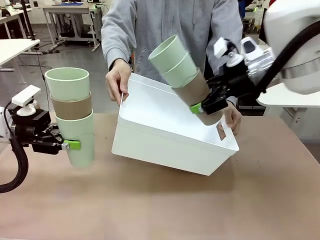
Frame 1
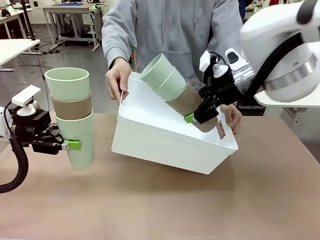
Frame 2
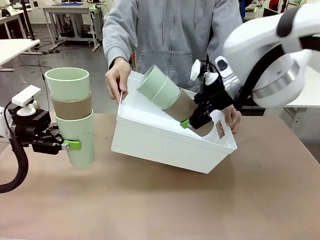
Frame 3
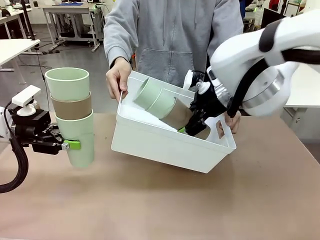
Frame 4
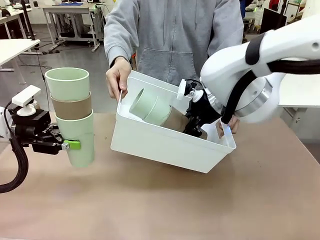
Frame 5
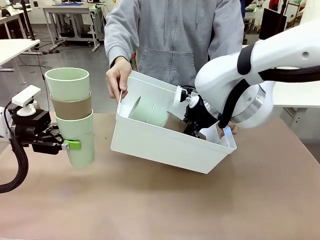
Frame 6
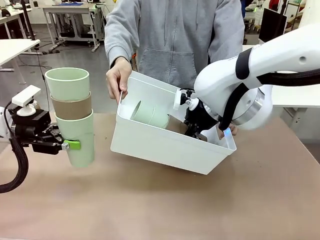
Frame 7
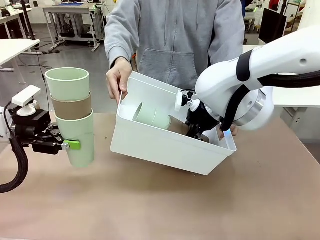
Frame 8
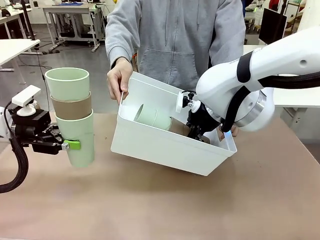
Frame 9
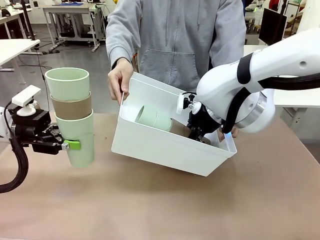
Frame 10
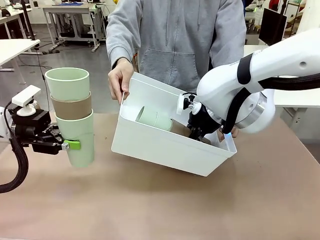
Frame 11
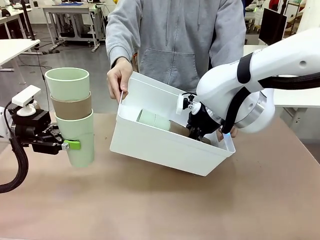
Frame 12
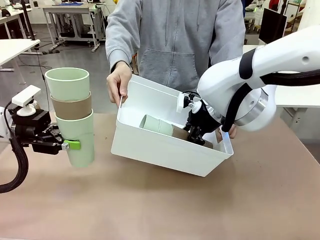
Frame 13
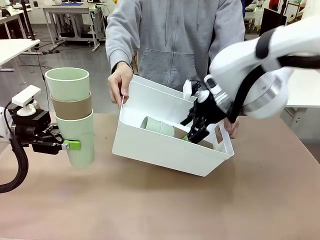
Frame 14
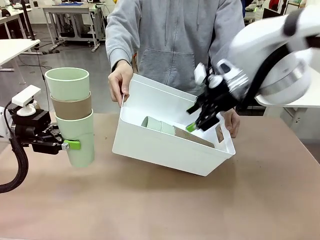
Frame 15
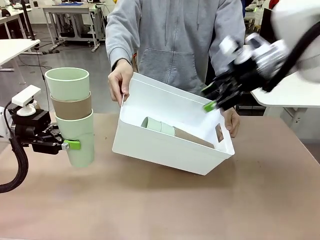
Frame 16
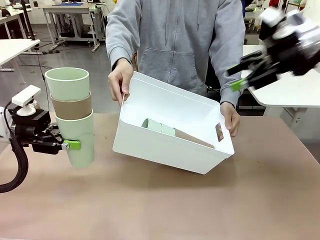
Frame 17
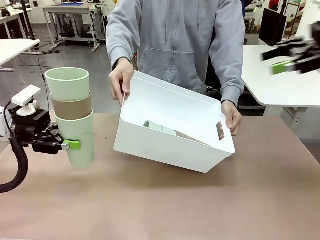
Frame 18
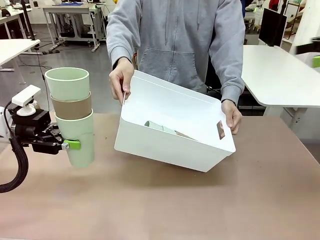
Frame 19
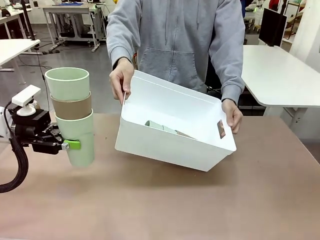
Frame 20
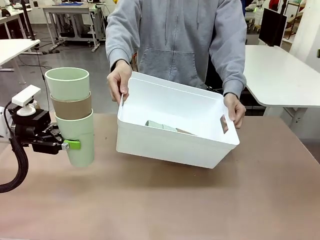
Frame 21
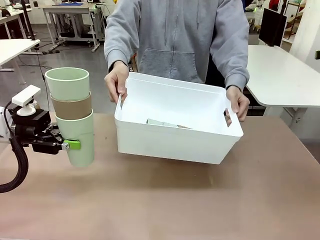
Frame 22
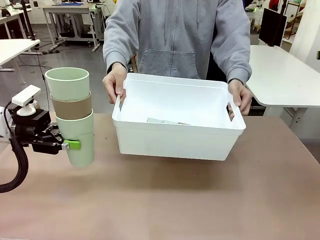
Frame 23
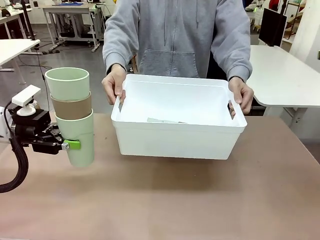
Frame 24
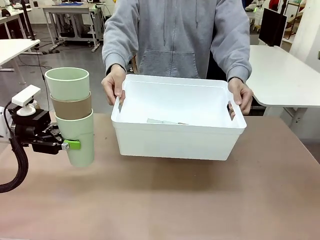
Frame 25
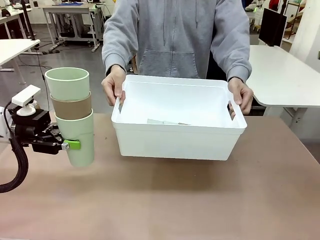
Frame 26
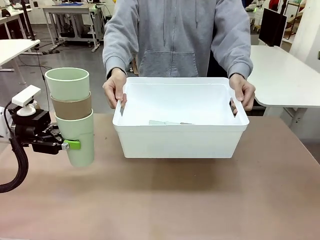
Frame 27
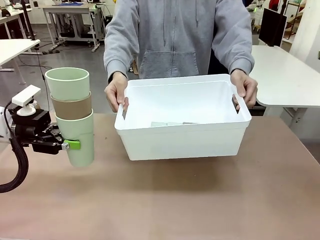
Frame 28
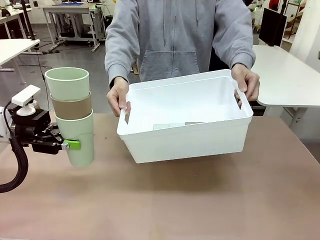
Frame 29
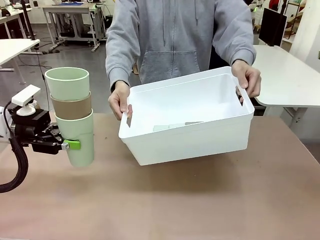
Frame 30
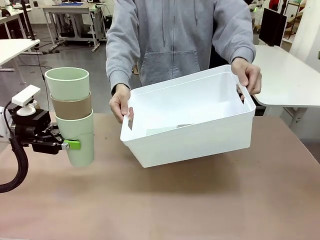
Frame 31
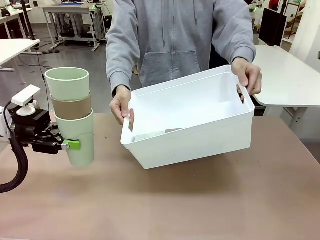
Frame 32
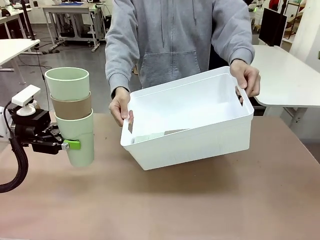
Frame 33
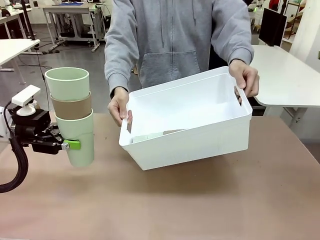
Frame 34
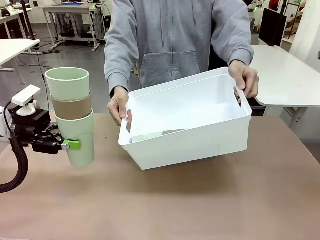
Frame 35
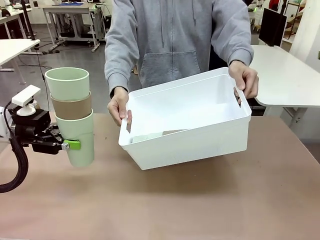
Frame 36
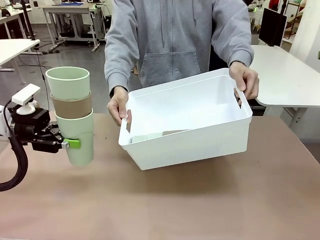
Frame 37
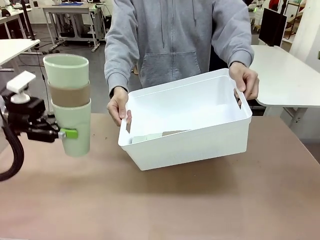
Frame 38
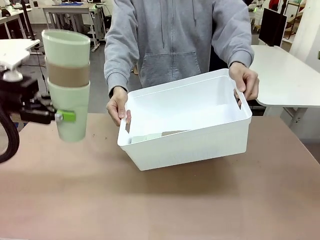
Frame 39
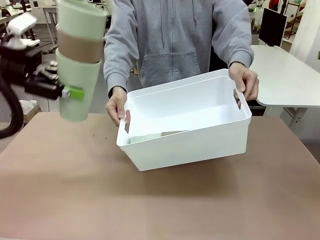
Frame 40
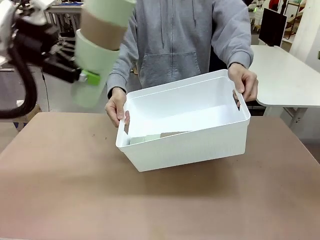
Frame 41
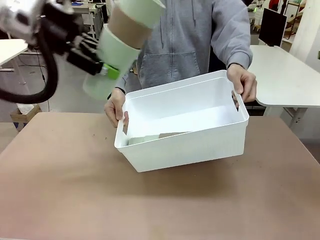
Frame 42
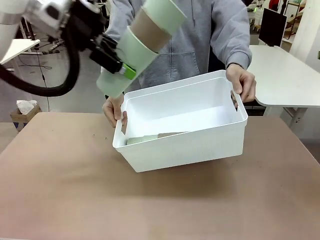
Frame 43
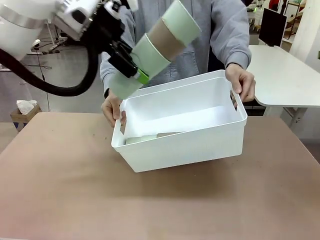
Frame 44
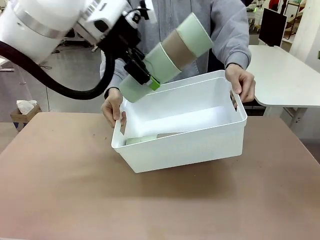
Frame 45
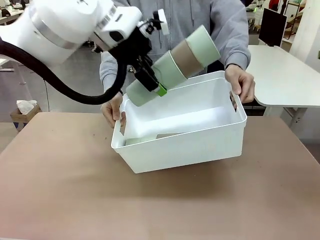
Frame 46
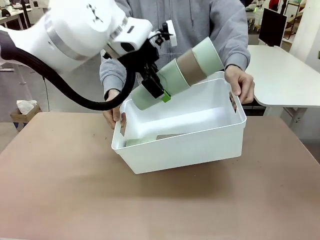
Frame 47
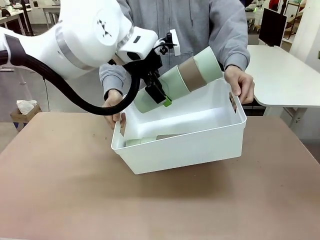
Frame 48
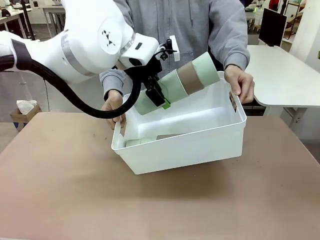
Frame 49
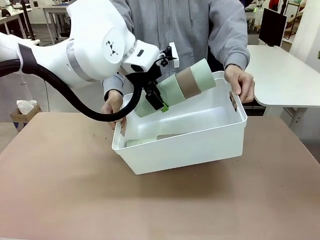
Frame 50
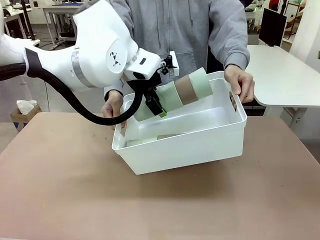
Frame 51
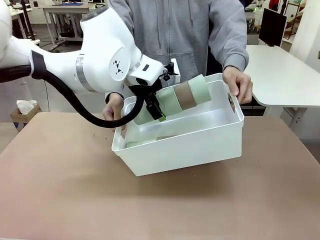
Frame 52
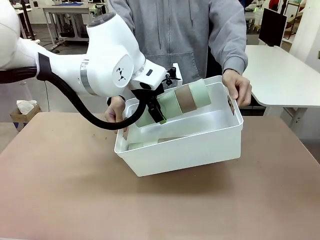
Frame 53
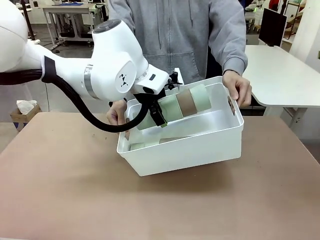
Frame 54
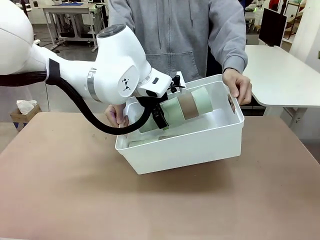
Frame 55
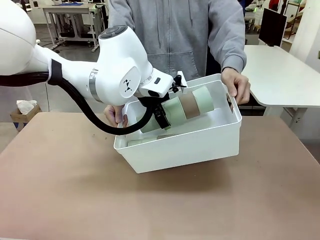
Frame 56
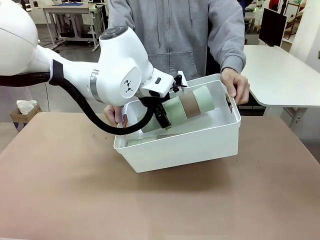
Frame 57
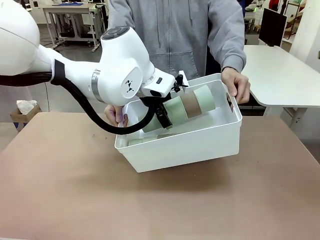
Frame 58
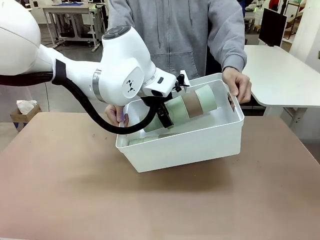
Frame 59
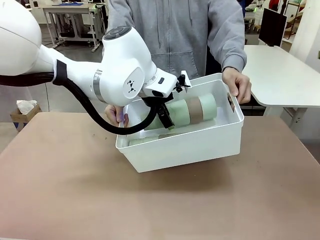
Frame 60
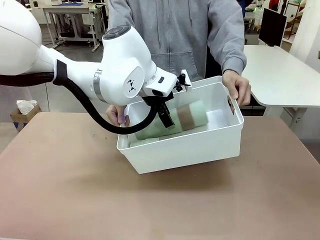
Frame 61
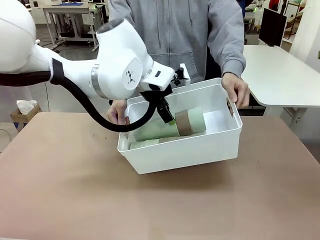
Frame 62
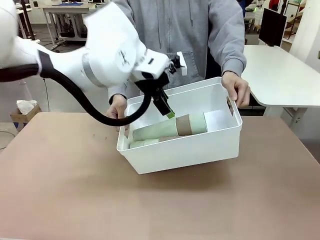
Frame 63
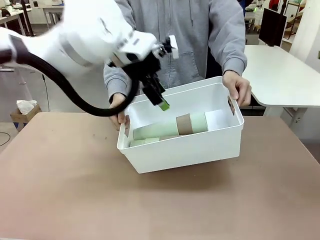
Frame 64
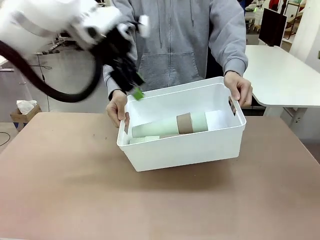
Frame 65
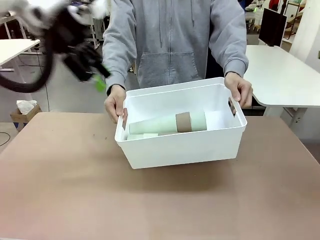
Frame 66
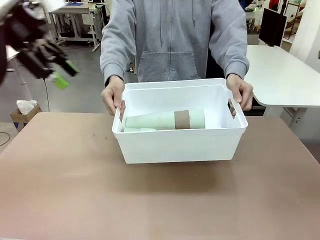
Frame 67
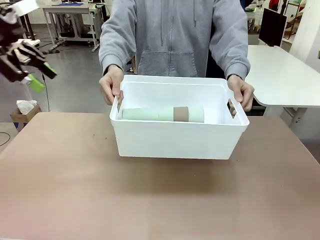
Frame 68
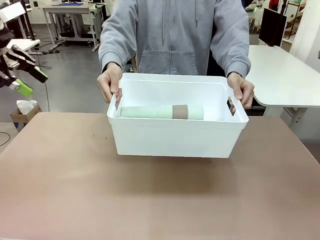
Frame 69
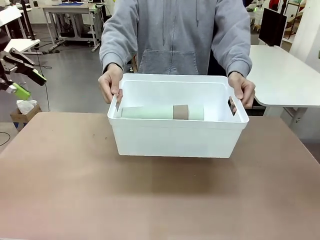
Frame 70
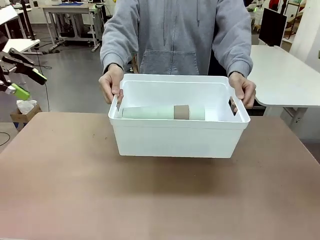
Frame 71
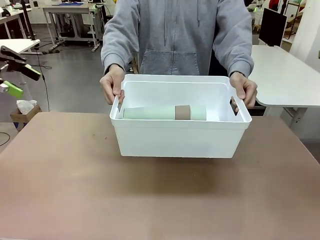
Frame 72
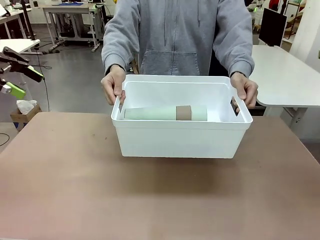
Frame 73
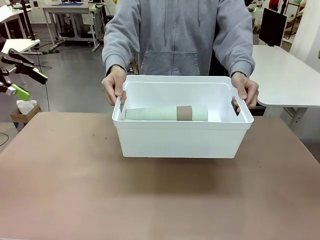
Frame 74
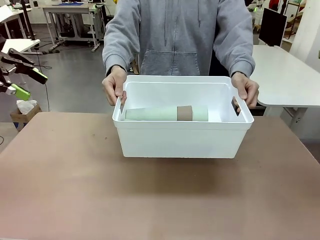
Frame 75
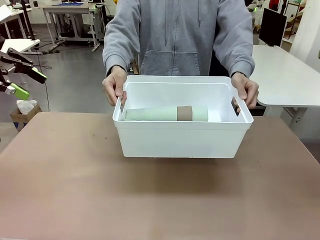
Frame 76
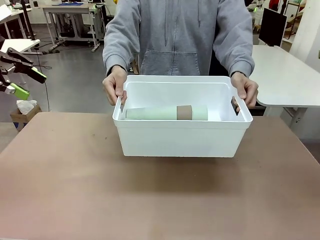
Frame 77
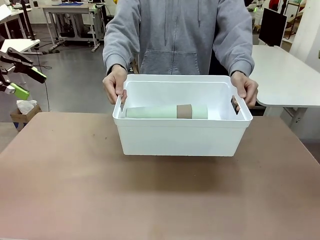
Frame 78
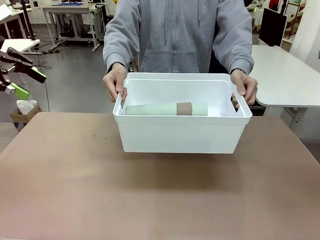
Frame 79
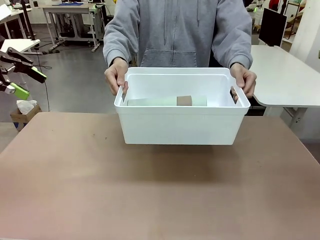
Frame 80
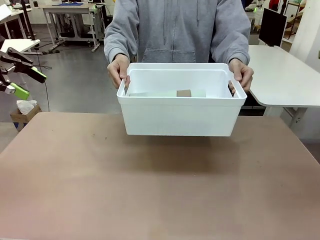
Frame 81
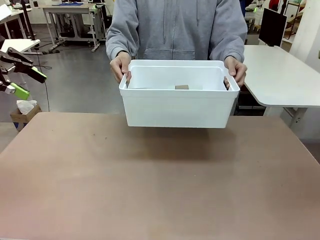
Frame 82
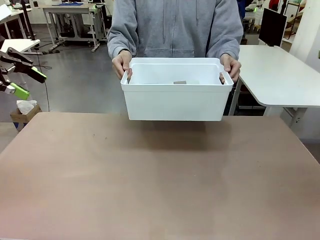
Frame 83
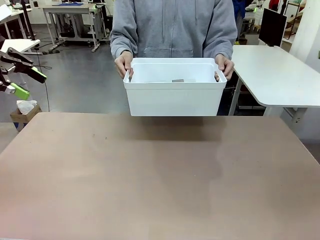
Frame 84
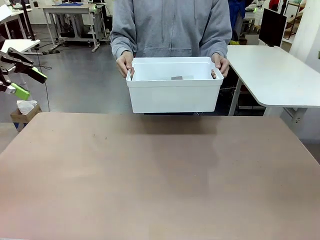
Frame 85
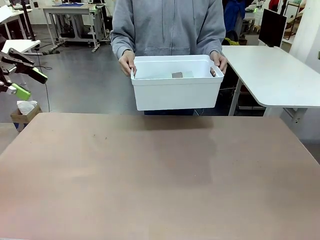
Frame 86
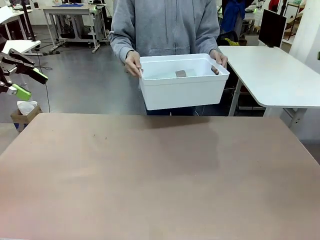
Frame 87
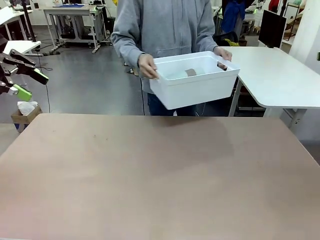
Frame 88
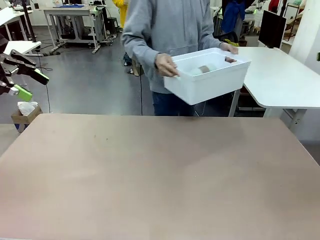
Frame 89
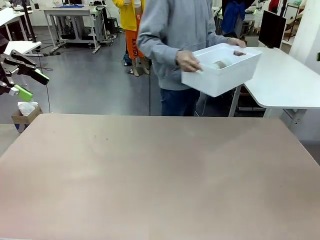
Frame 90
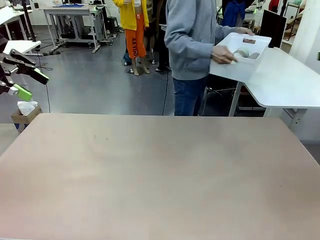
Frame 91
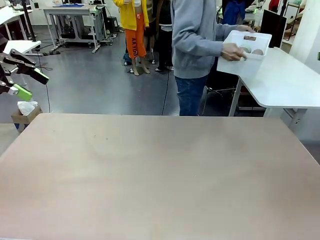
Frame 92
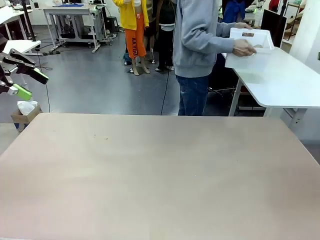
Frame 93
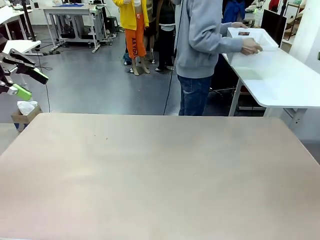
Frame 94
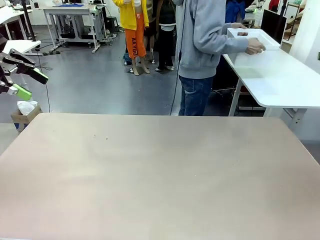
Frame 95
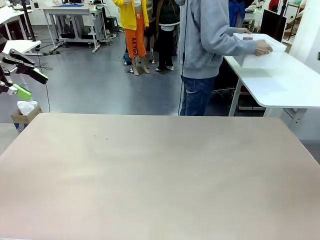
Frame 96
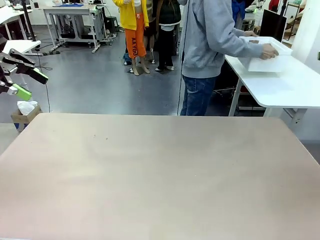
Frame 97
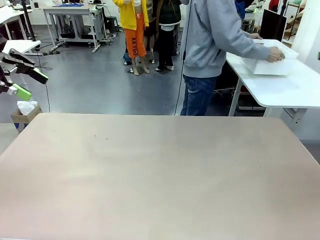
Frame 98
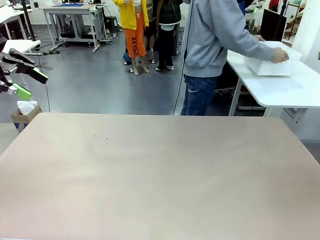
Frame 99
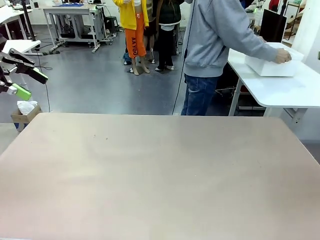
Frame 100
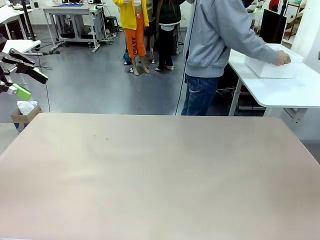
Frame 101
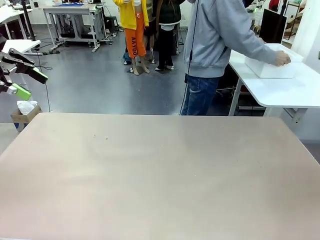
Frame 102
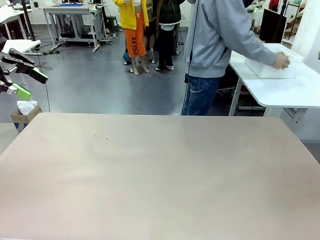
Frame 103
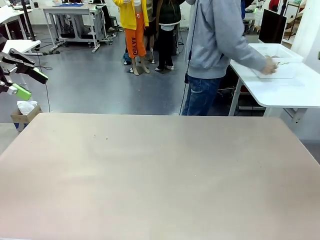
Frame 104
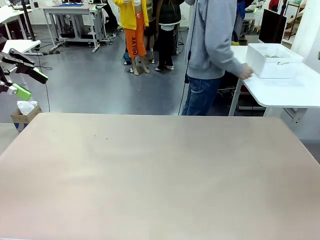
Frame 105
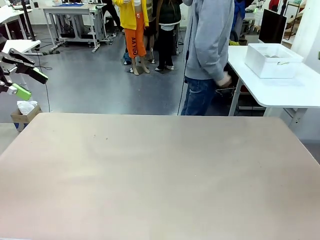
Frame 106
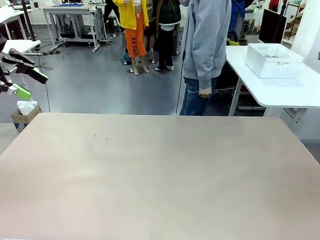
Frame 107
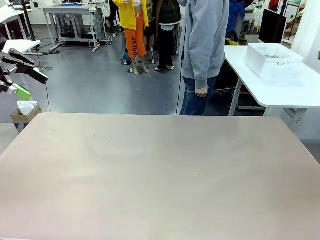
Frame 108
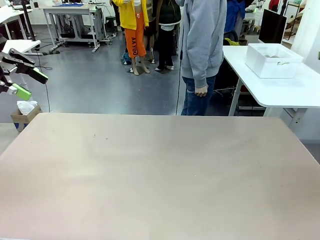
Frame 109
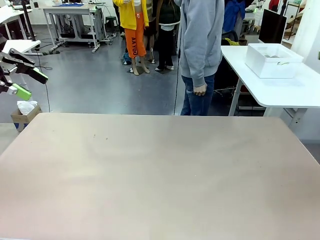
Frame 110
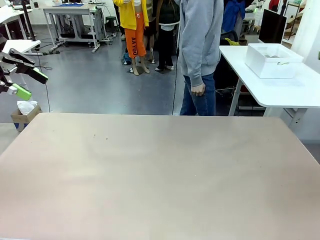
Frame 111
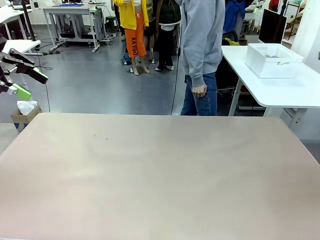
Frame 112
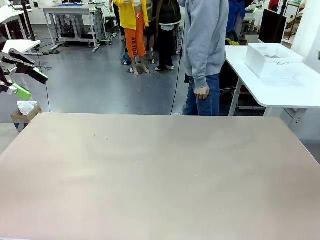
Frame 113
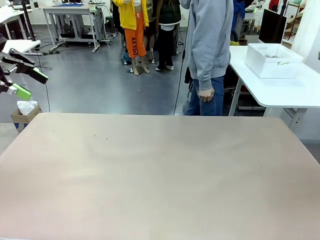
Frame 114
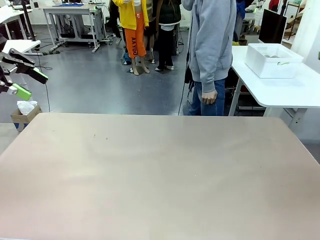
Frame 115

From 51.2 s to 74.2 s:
Task: Stack the cups and store them in the basket.
Robot: Place the stack of Reusable plastic cups into the Pantry Basket.
Person: Place the basket containing the cups in the middle of the Human Table.
